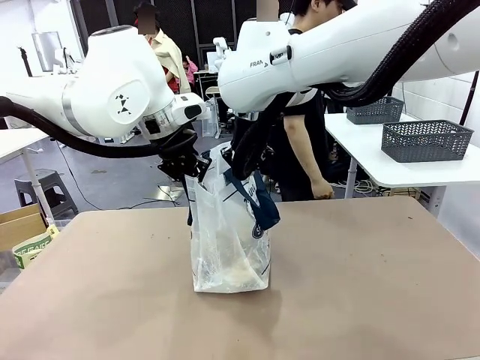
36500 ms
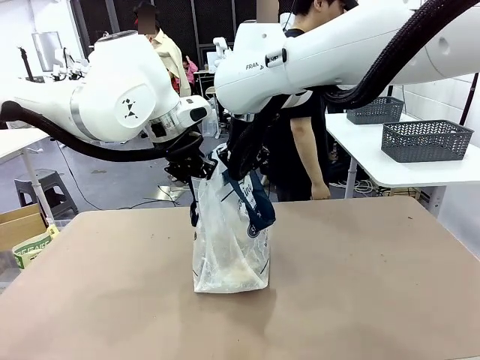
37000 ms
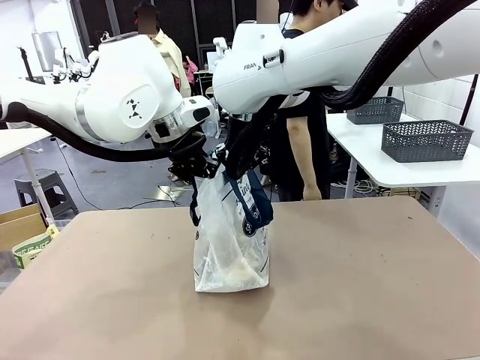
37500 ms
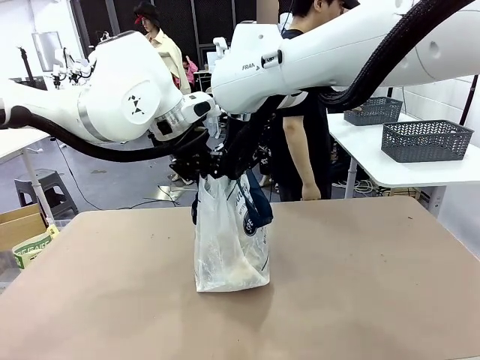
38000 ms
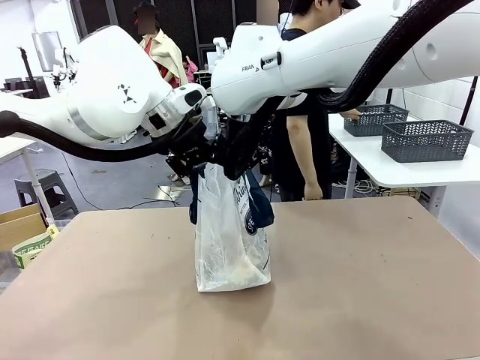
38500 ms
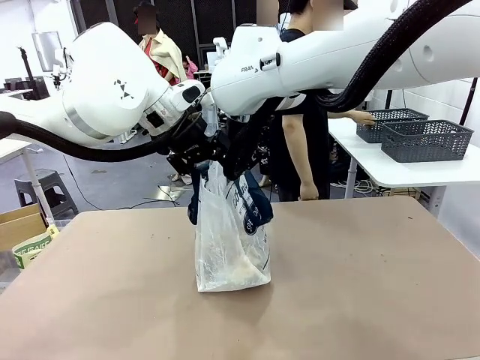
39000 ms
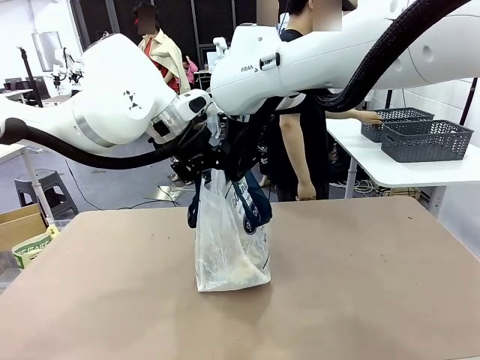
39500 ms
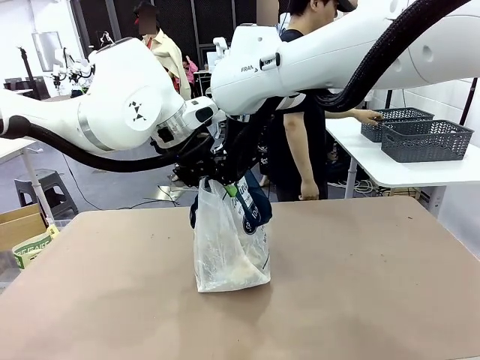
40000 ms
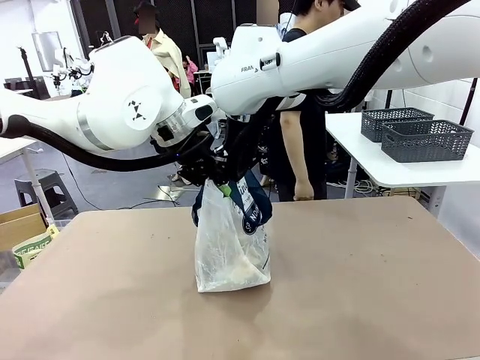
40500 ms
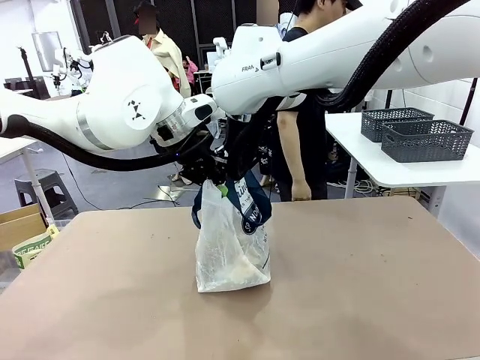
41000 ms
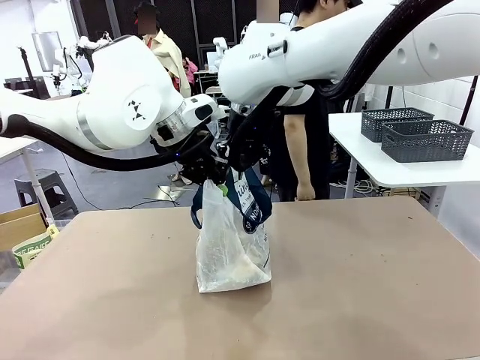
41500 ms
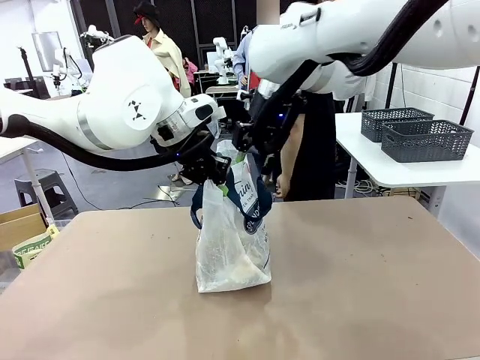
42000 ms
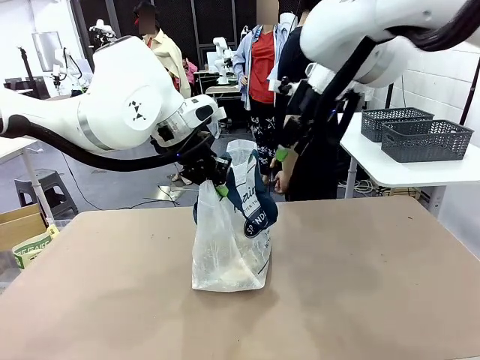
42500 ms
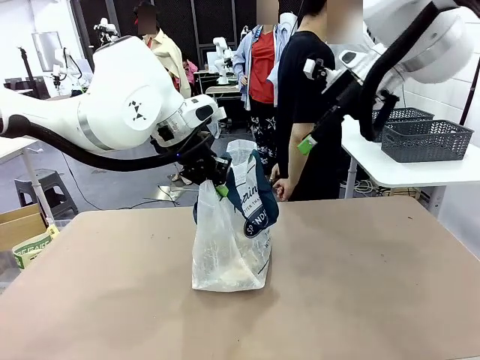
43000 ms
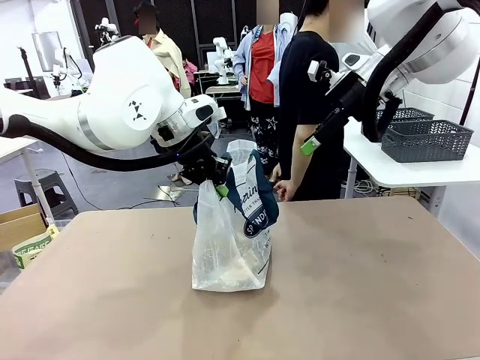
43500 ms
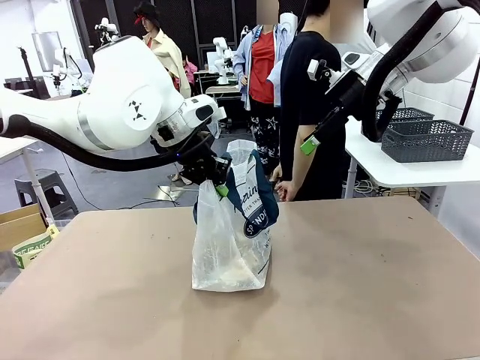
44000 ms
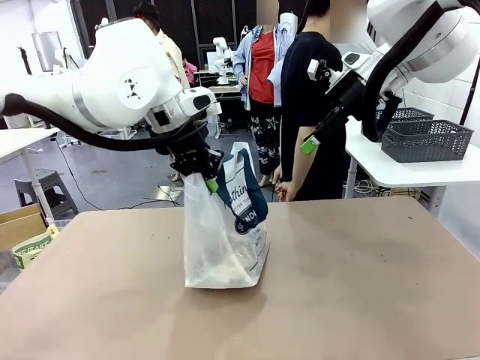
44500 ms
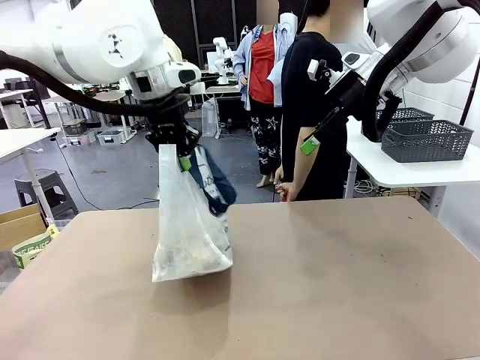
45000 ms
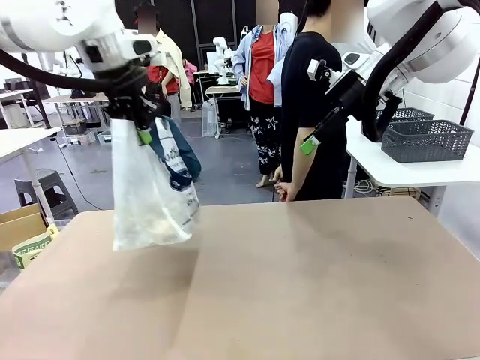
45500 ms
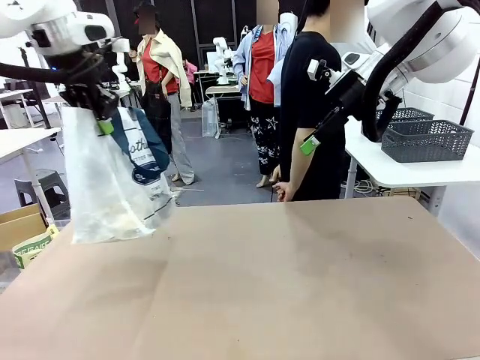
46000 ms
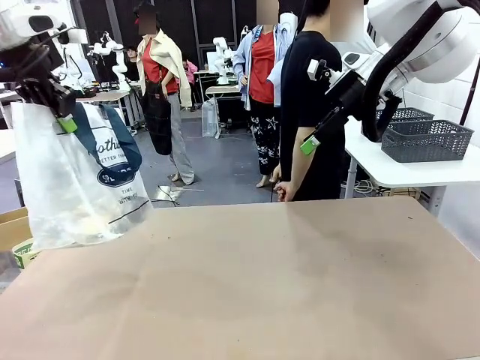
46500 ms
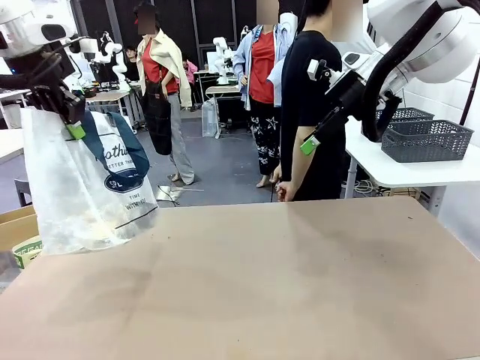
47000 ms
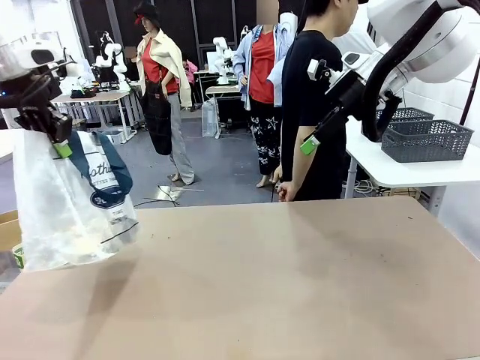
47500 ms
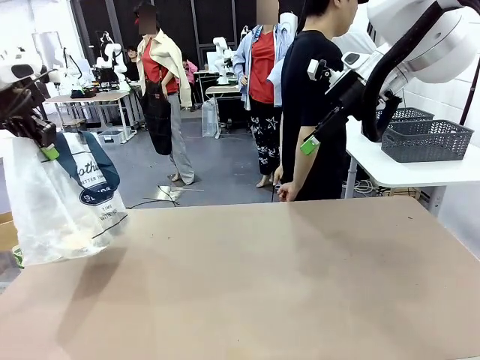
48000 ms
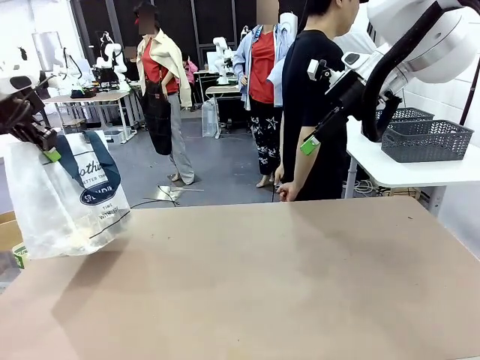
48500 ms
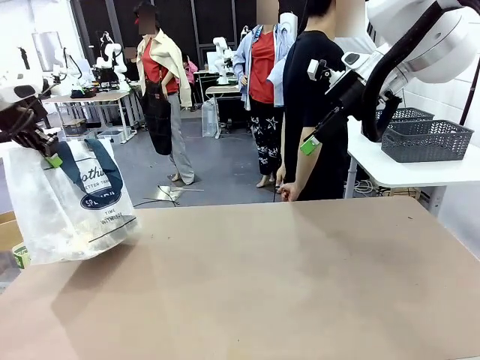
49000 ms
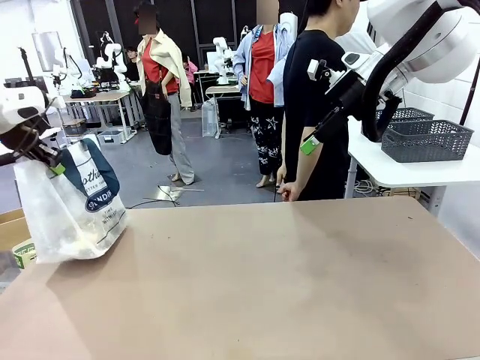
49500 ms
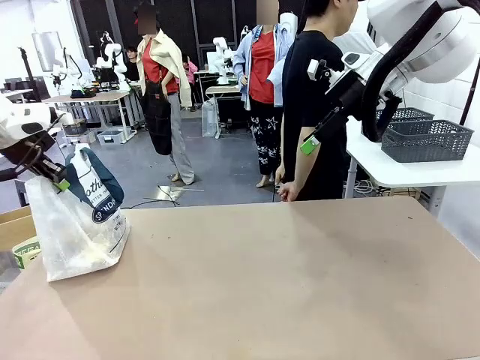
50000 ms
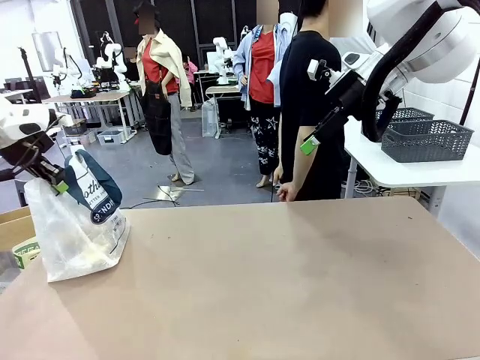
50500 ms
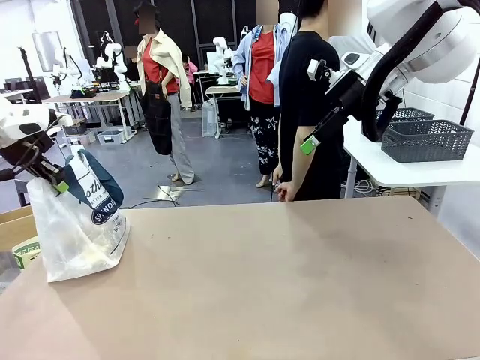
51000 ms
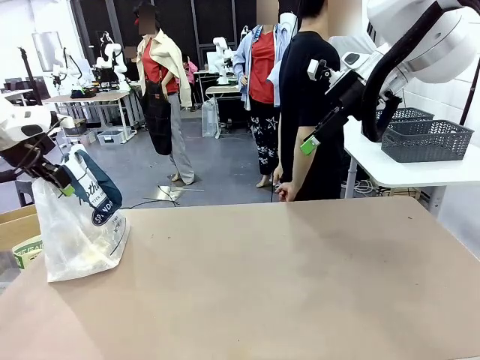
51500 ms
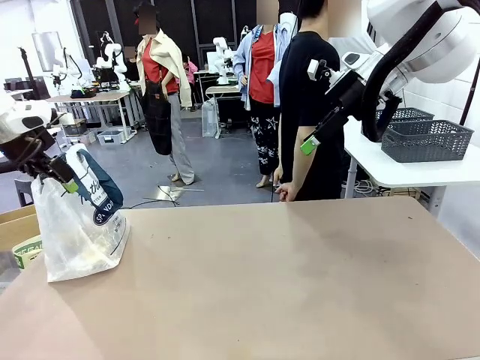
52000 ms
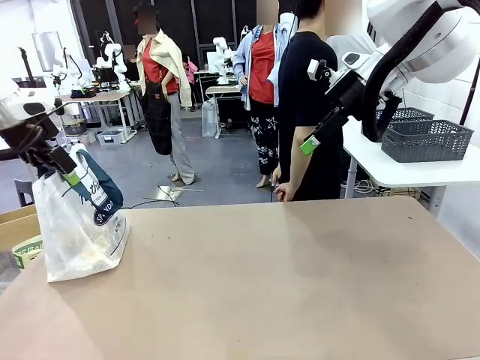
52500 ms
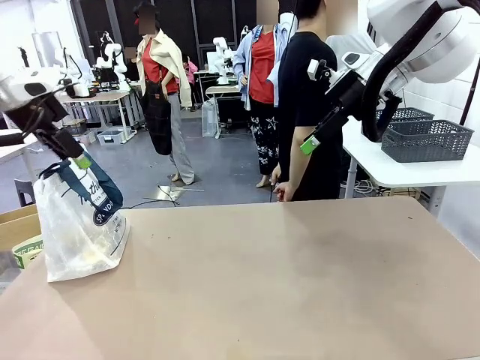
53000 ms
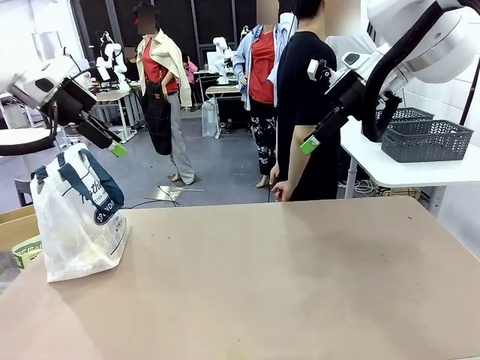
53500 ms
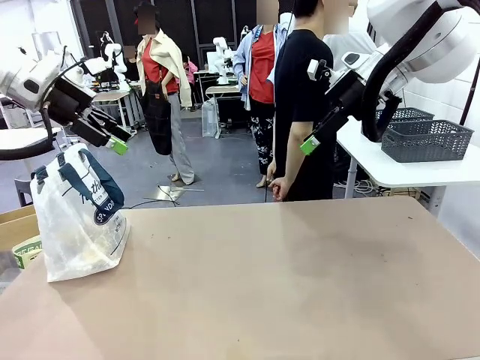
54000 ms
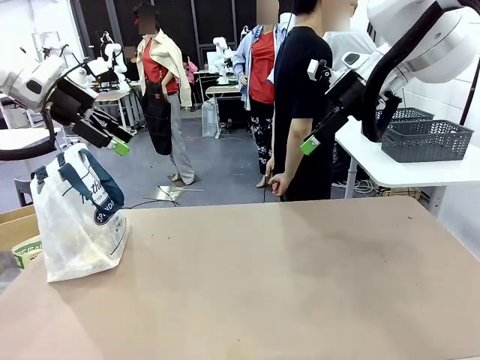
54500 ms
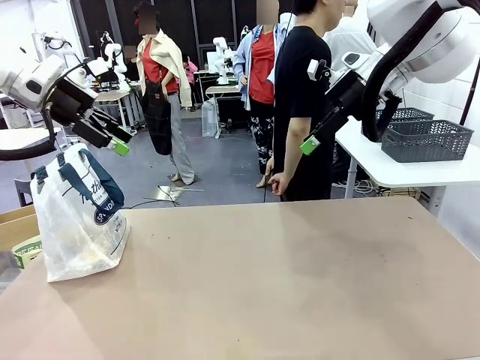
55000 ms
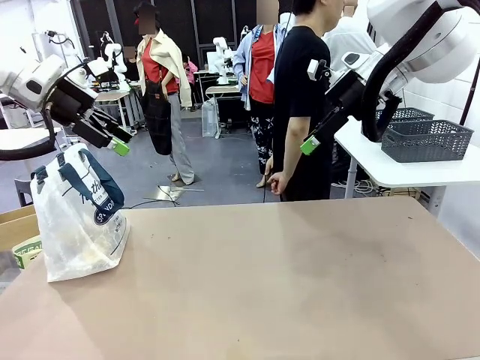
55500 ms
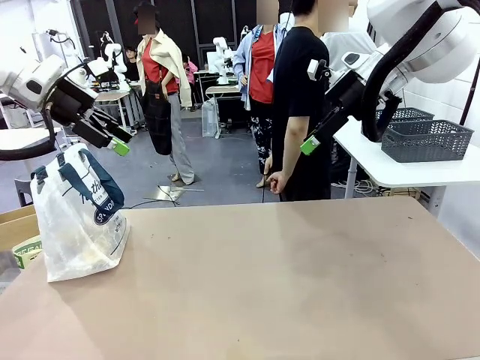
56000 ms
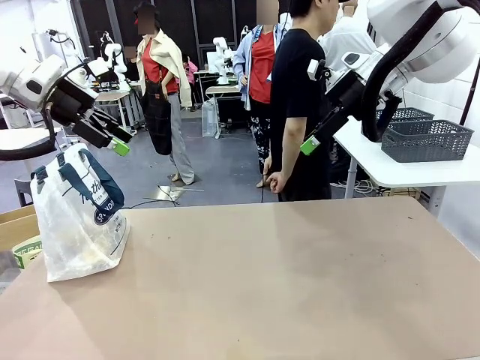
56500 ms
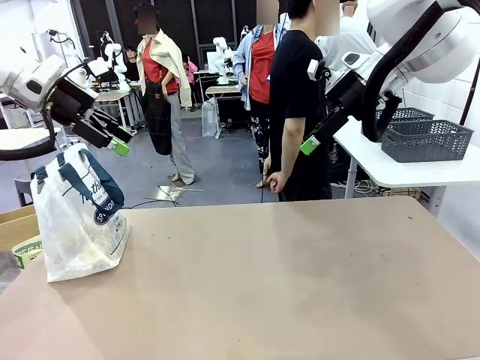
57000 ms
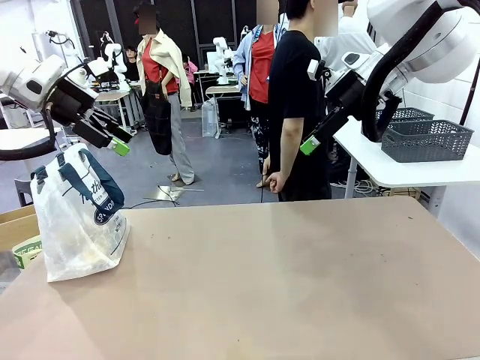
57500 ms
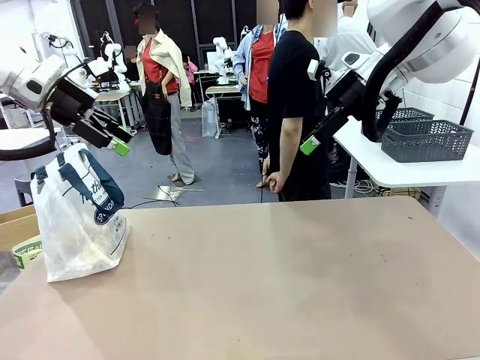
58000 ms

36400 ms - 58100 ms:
Task: Transfer purchased items from the store into the shopping bag.
Robot: Move the Reusable shopping bag to the right side of the table.
Person: Move the basket on the left to the middle of the person's table.

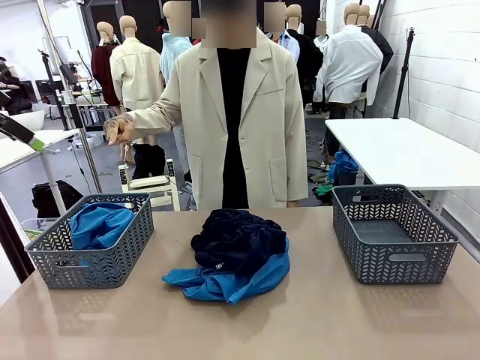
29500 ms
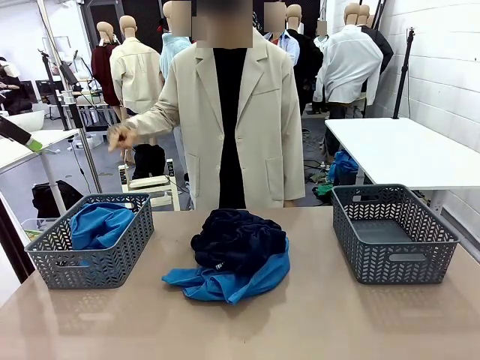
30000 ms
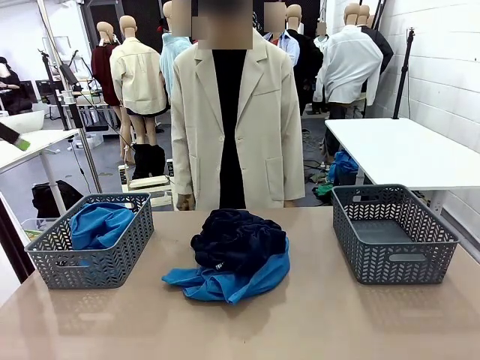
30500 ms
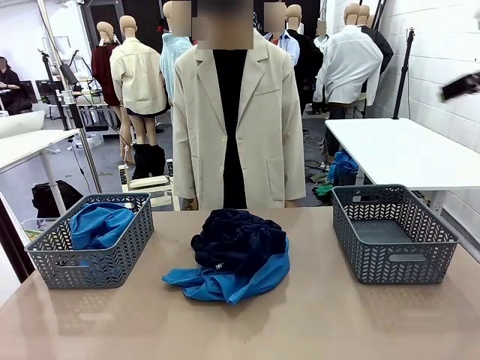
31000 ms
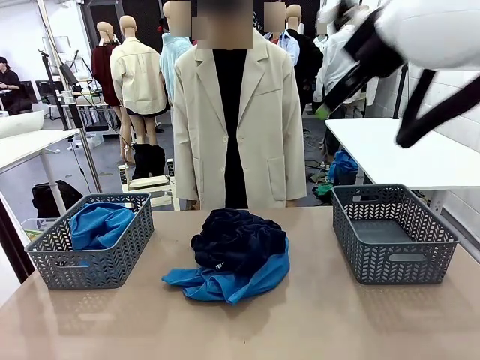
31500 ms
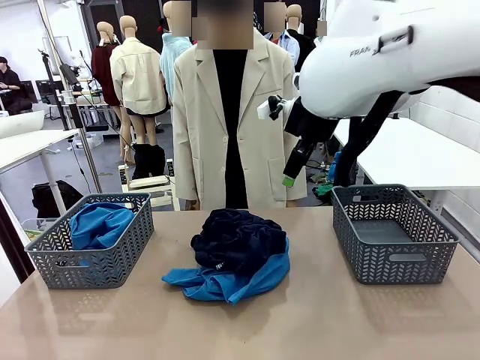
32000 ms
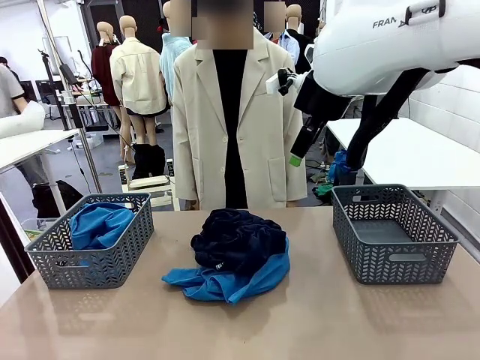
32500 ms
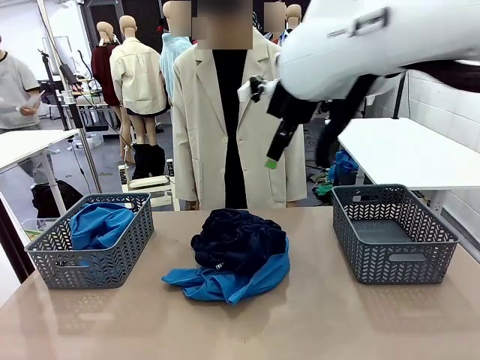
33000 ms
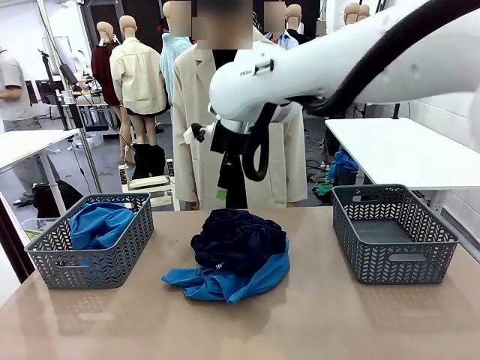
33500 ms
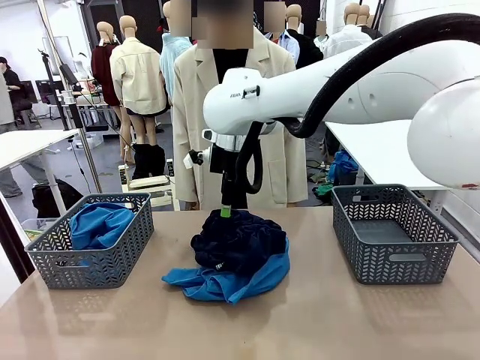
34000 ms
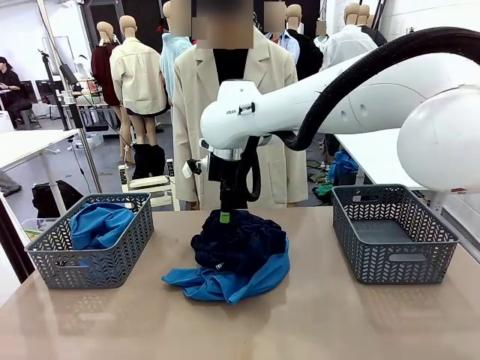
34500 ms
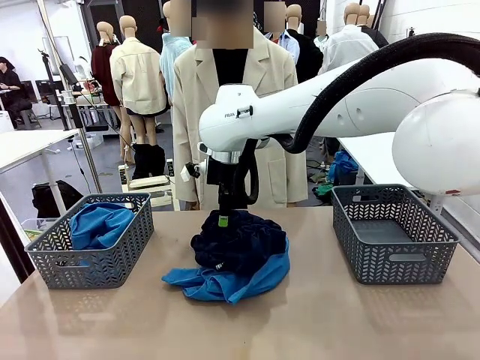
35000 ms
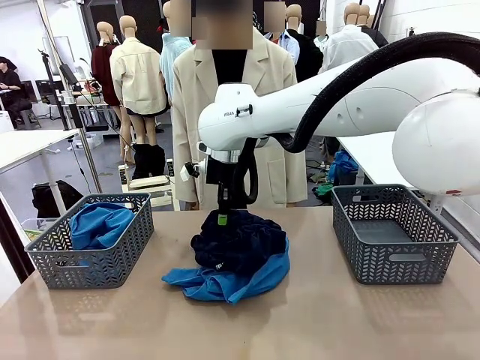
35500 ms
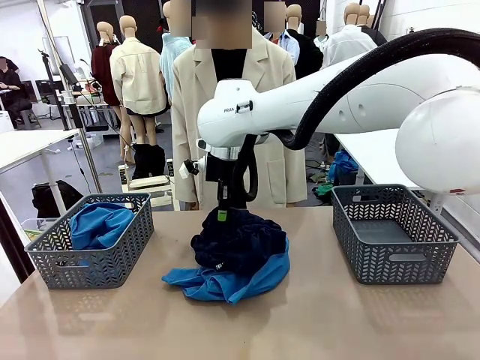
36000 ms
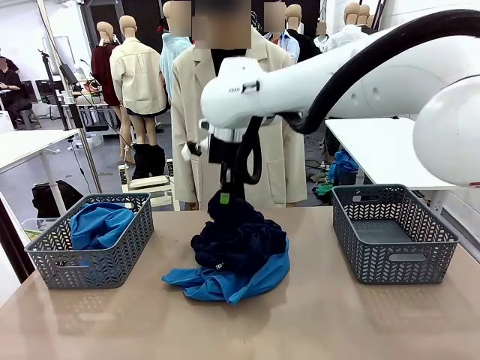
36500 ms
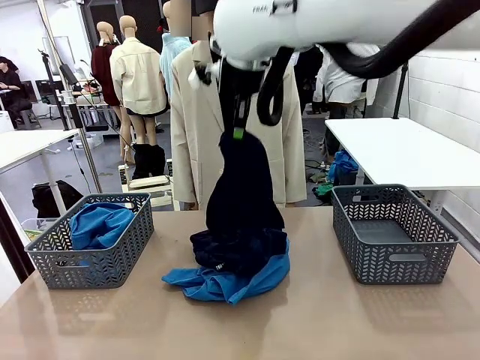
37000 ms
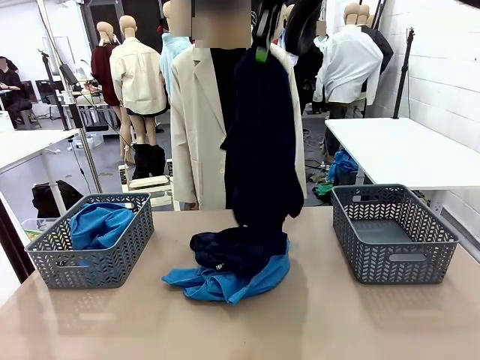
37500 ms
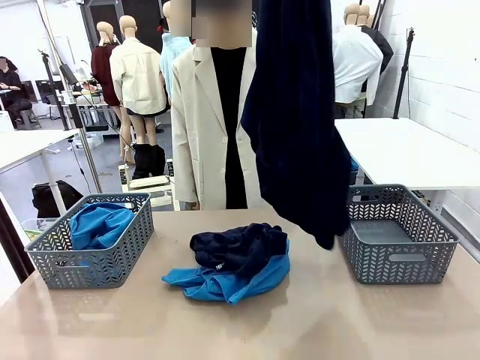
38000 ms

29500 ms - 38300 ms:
Task: Sort the tops and bottoms.
Robot: Lift clothes from the center of the table with your right hand.
